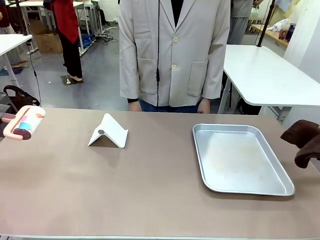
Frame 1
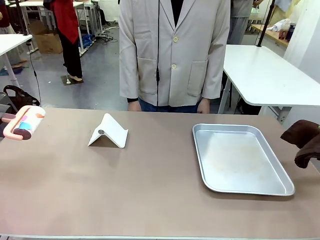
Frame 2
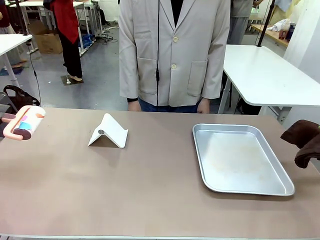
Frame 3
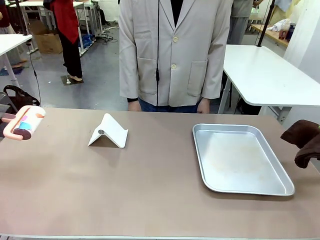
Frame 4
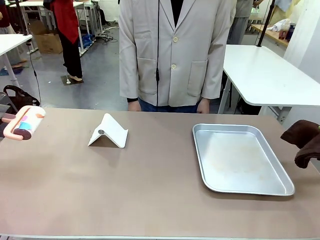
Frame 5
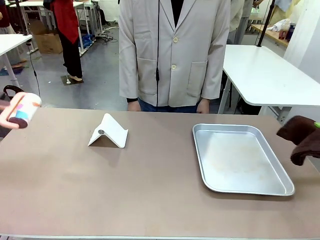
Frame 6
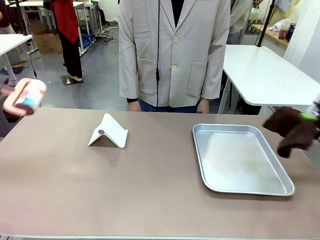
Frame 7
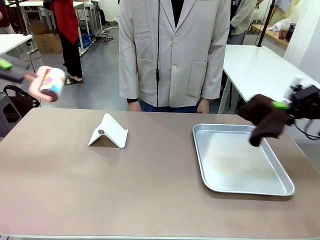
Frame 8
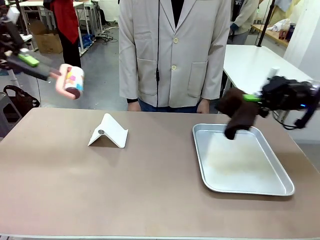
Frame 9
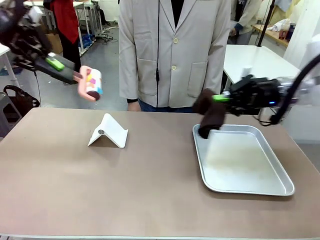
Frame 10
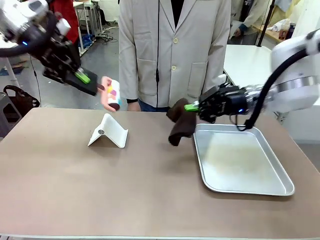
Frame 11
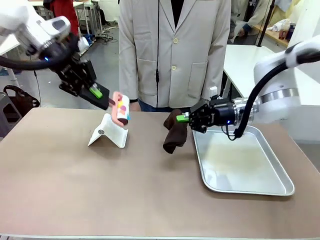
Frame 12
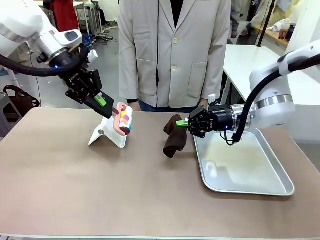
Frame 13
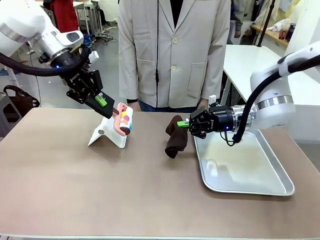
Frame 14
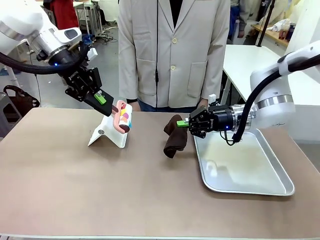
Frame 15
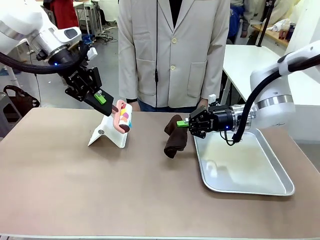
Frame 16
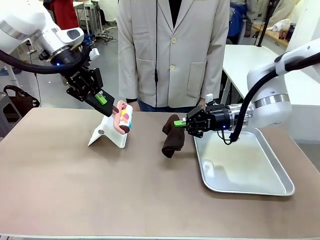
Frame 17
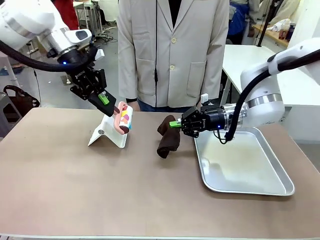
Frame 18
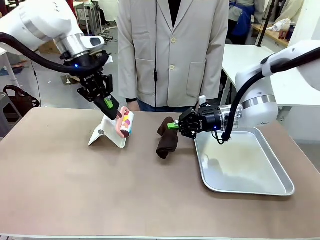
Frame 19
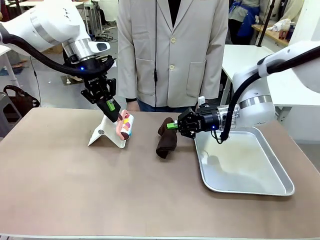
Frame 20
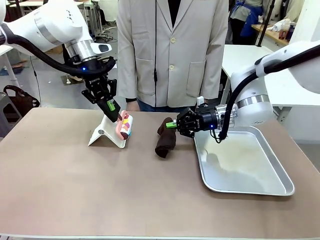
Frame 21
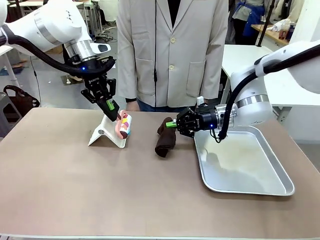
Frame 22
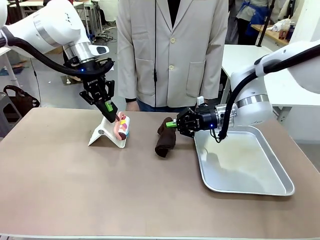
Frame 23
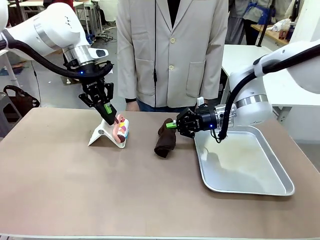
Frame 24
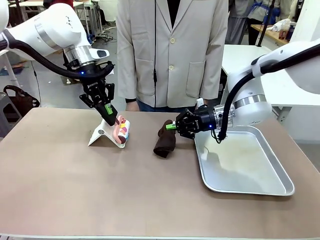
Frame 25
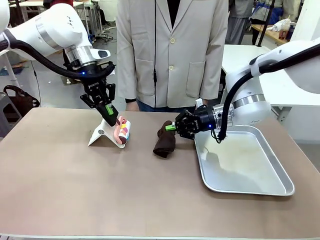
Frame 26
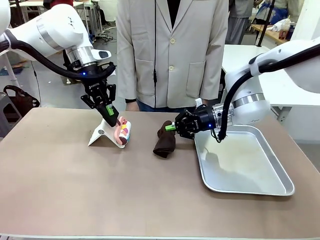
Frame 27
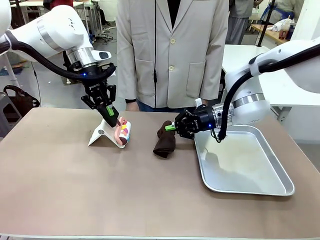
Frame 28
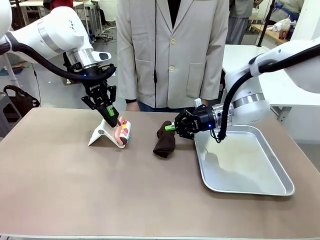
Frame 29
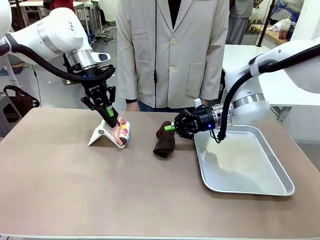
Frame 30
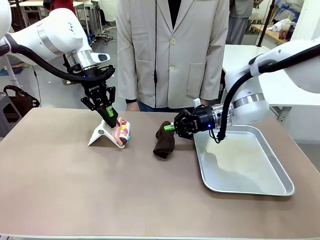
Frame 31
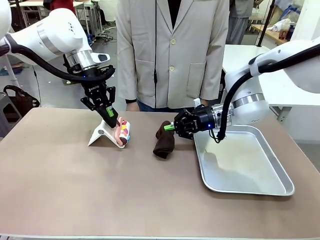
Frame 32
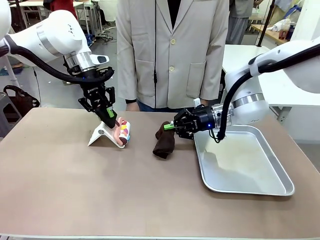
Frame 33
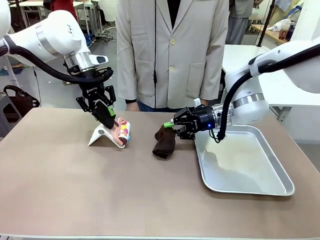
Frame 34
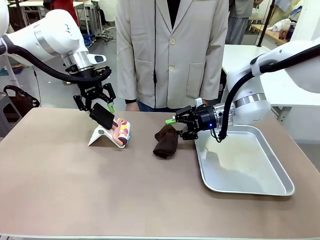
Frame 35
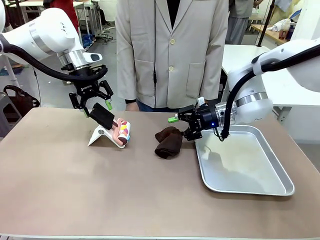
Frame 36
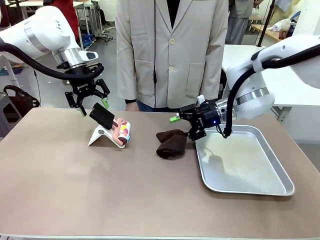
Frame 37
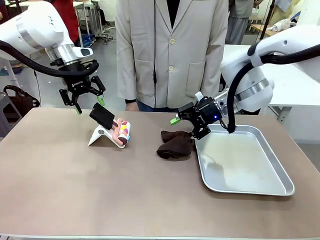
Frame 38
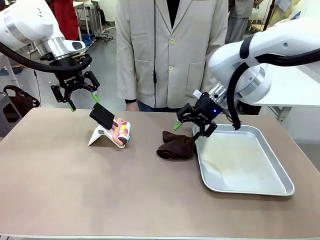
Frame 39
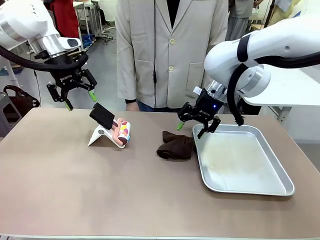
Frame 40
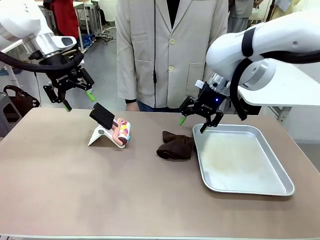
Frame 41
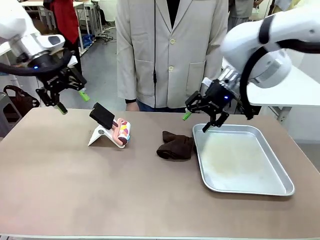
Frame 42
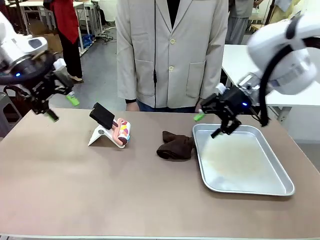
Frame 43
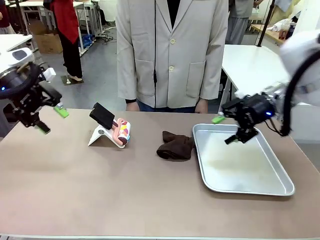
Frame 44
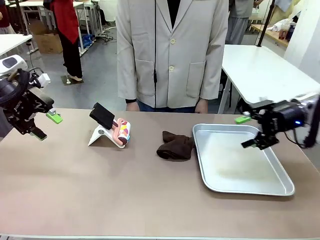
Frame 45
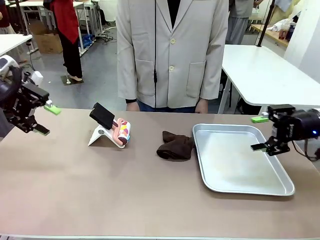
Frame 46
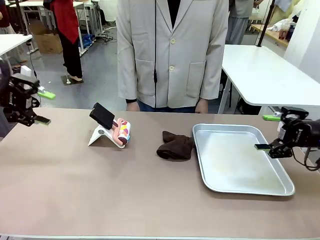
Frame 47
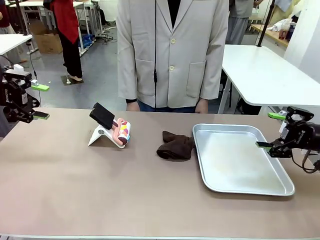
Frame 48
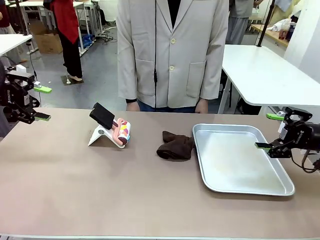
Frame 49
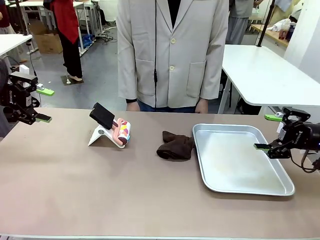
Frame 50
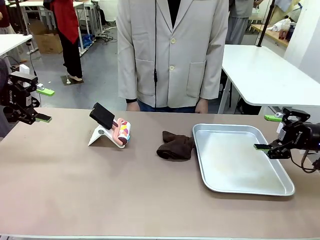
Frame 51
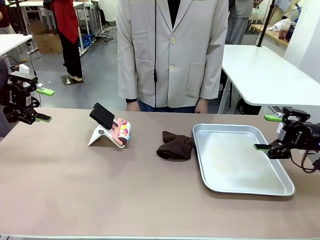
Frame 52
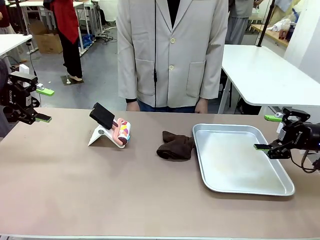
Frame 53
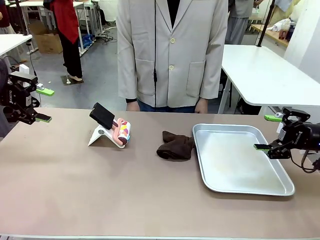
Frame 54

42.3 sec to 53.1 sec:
Task: Clean the surface of the table.
Robot: Return the Lint Roller and towel to their original positions.

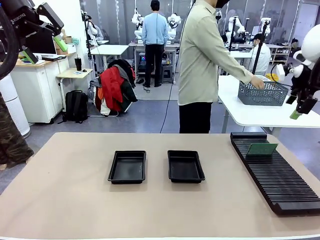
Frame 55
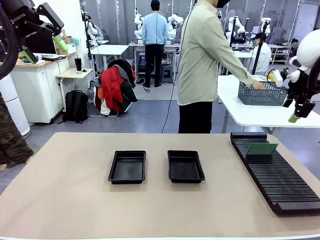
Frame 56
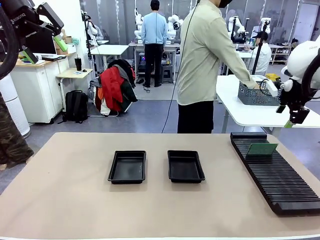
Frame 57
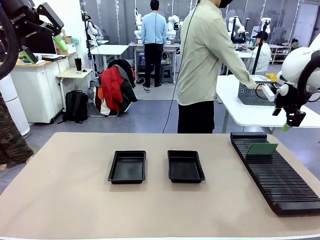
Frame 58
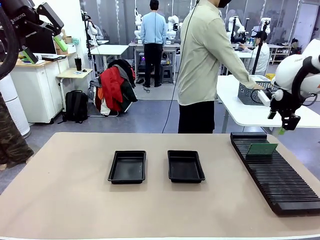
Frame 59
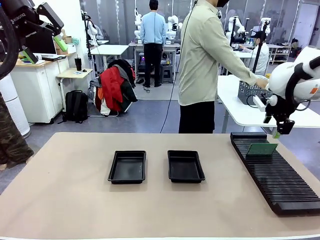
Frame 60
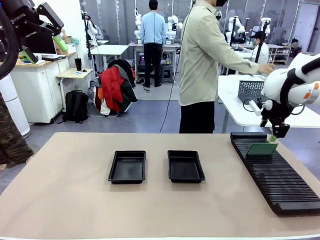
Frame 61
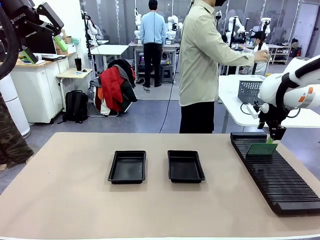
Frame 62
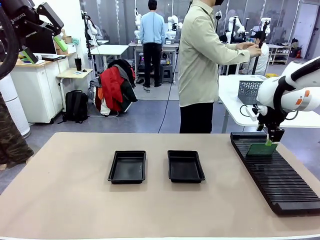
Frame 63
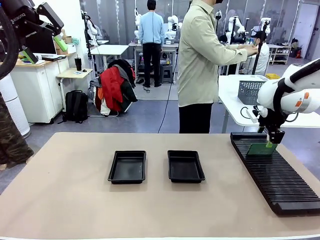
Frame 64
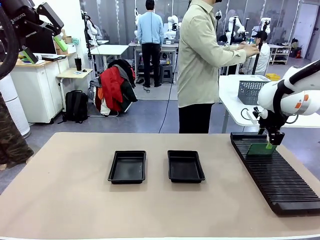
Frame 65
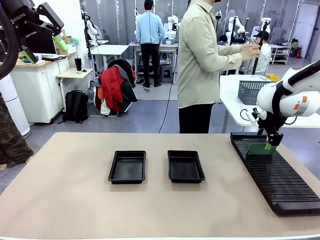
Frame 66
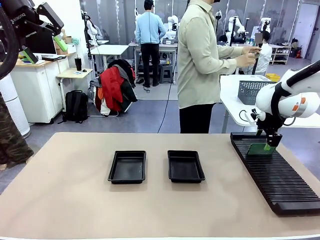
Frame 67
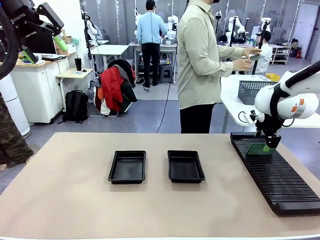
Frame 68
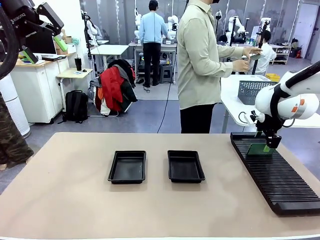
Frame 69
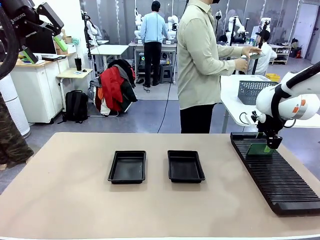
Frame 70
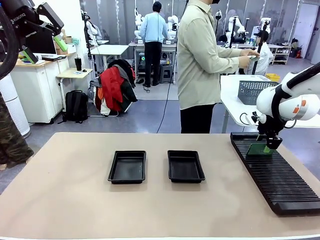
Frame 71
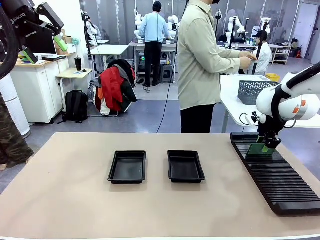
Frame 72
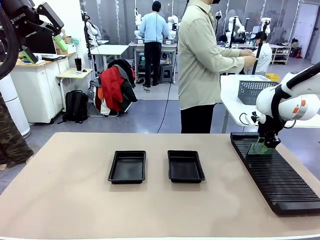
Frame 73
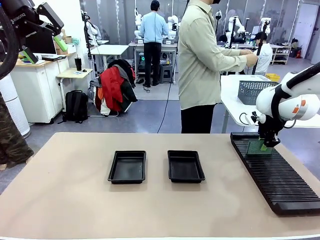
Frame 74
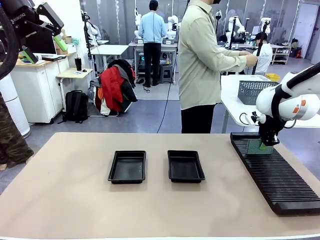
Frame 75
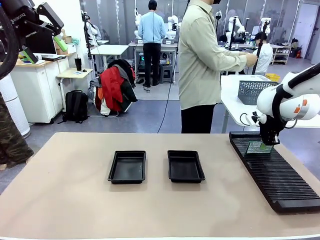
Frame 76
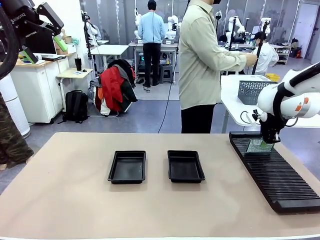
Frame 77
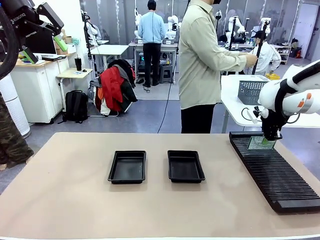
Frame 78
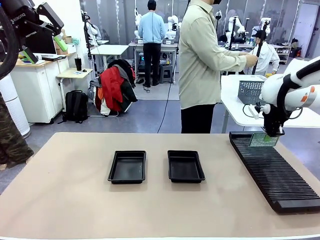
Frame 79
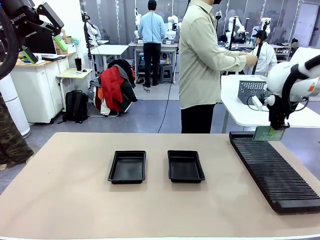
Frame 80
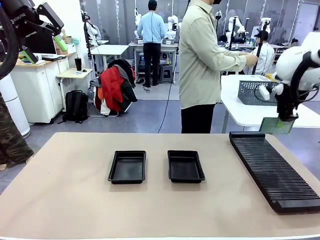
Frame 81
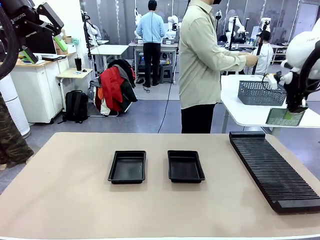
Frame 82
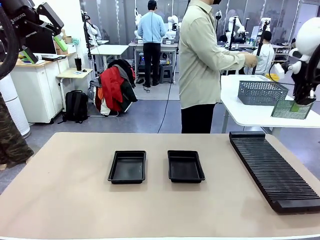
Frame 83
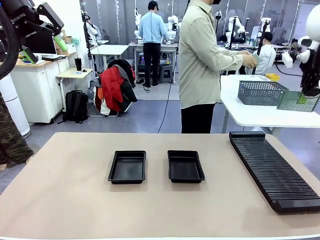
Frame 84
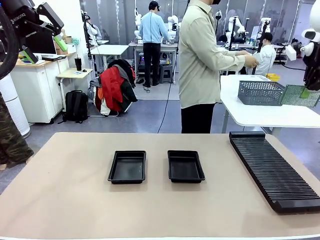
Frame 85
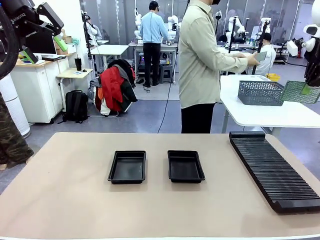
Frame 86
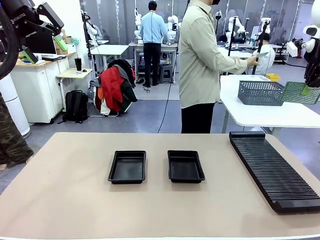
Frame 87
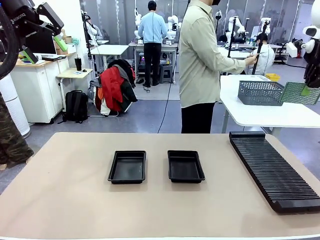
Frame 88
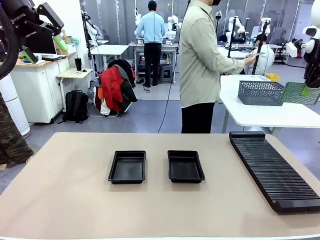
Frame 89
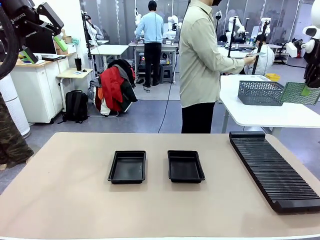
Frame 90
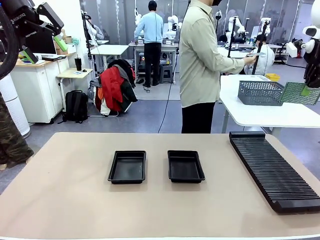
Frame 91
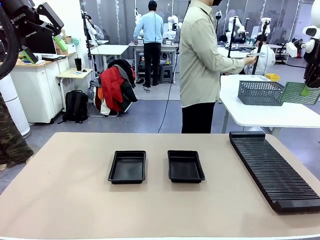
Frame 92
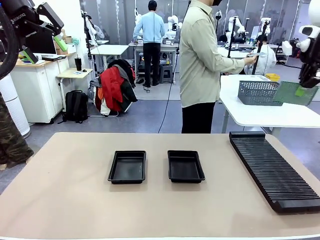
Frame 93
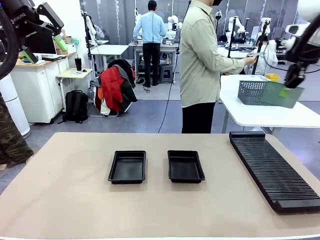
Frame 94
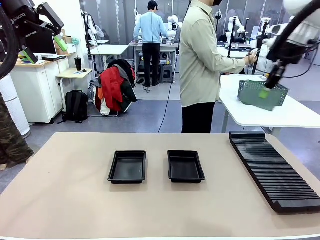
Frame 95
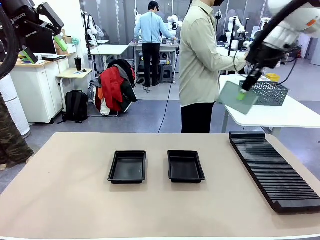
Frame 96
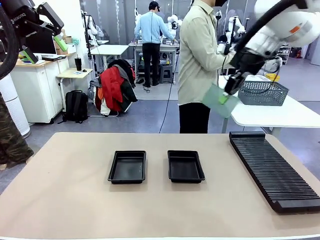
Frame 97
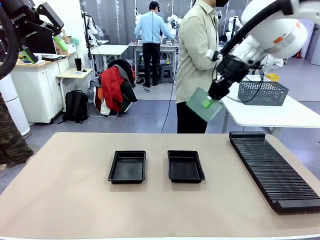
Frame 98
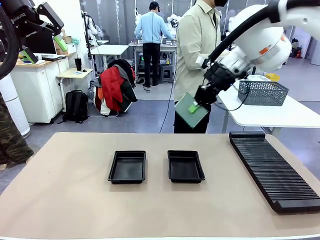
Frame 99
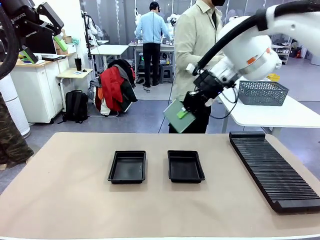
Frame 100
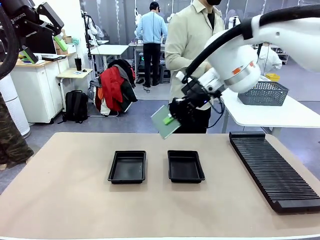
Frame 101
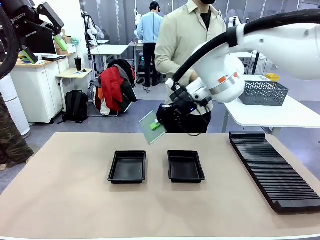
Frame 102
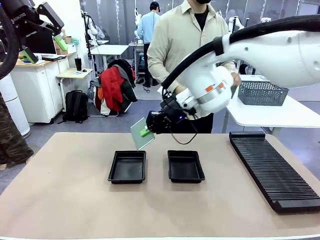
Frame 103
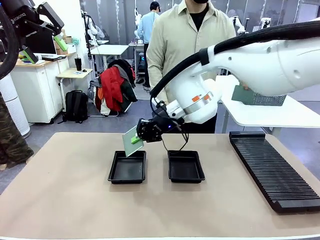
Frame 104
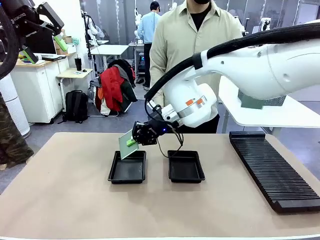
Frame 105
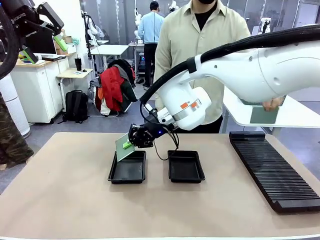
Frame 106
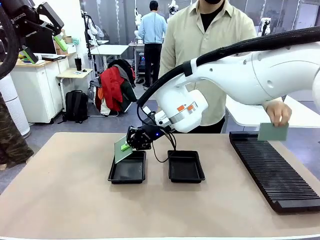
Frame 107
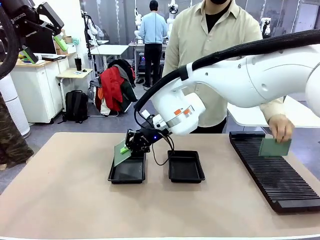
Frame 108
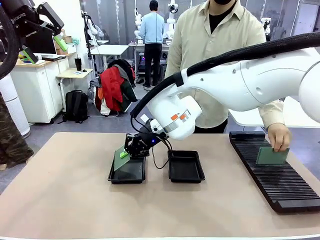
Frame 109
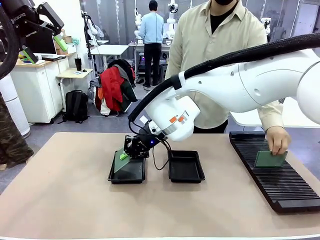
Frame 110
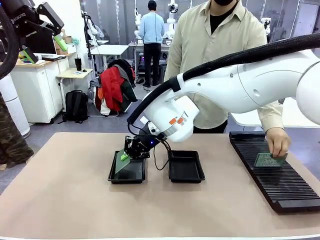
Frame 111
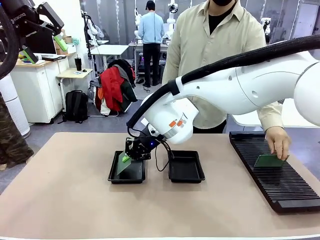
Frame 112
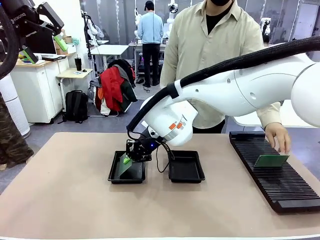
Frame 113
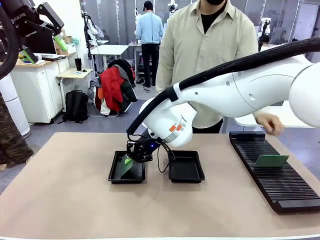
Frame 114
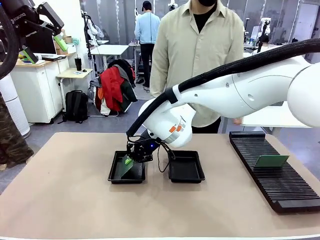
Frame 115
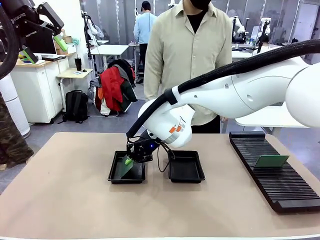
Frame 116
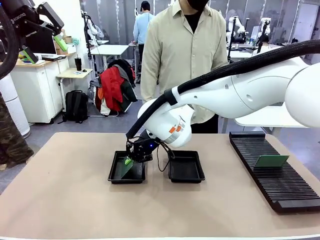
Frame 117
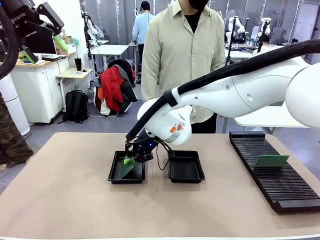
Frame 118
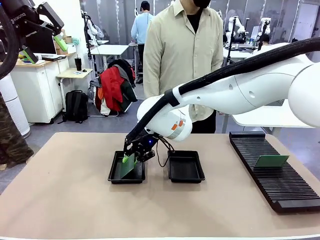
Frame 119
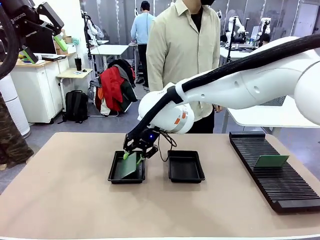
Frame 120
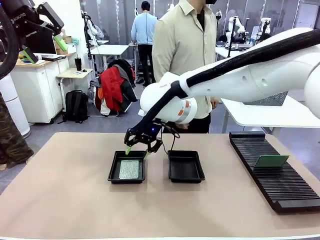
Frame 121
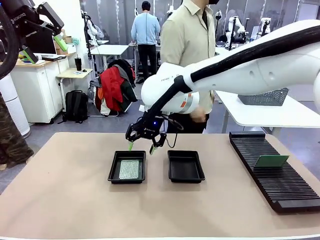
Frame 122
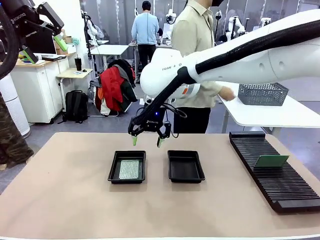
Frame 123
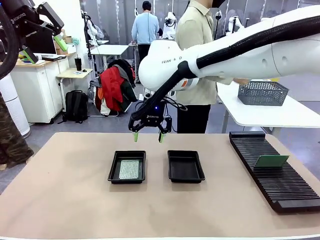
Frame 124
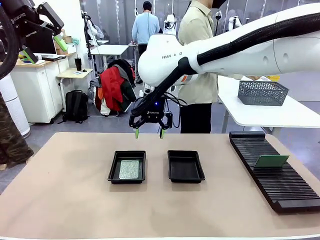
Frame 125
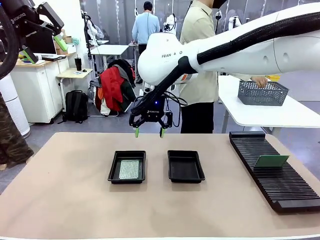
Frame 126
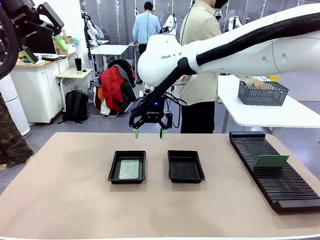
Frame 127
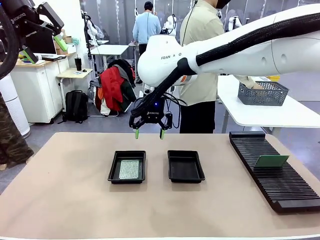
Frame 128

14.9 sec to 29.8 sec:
Task: Inspect and transfer BCBs to ESD trays.
Robot: Pick up the Blank PCB from the PCB Rack and place it in the left ESD tray.
